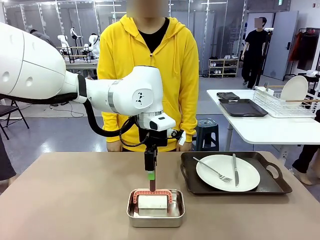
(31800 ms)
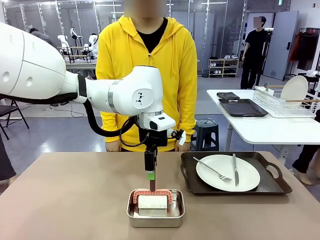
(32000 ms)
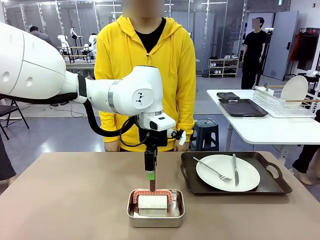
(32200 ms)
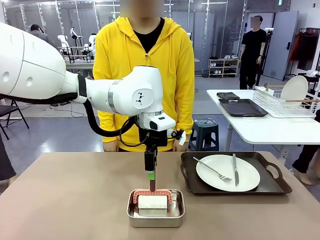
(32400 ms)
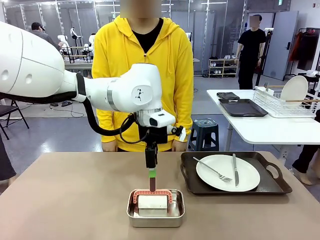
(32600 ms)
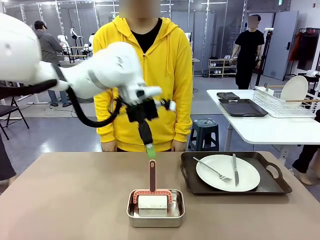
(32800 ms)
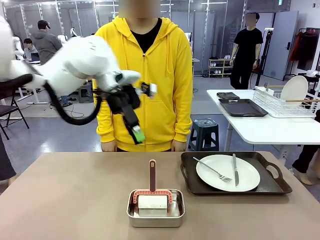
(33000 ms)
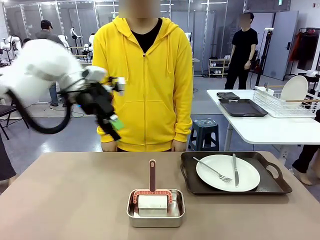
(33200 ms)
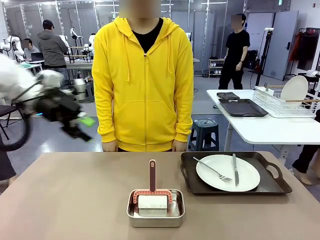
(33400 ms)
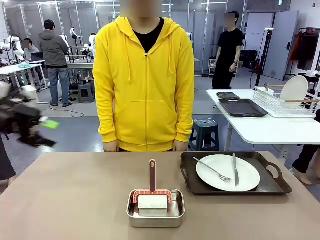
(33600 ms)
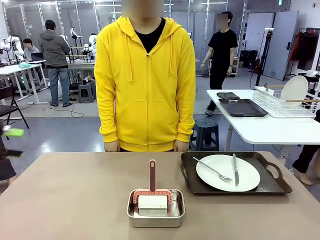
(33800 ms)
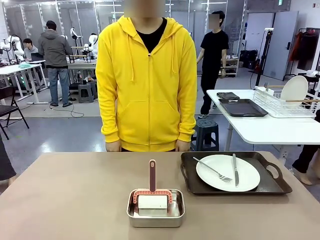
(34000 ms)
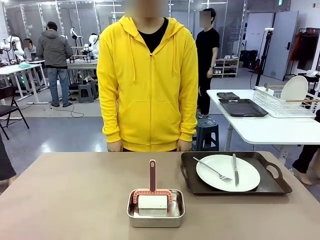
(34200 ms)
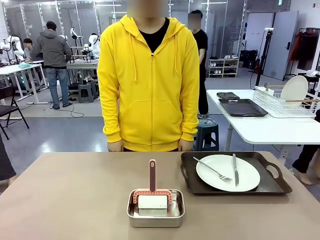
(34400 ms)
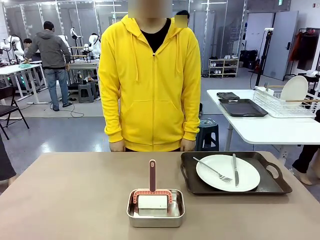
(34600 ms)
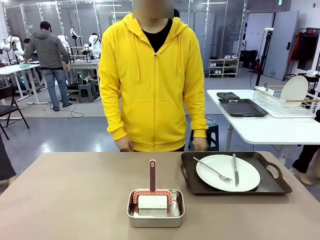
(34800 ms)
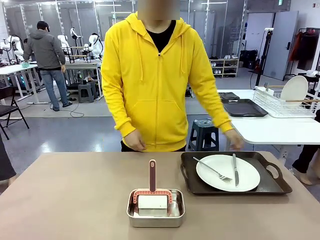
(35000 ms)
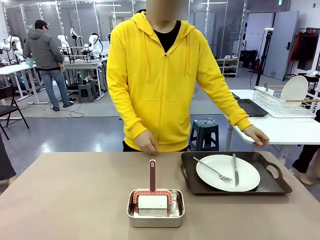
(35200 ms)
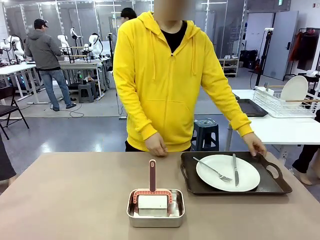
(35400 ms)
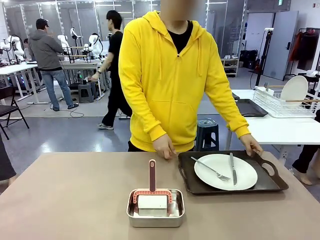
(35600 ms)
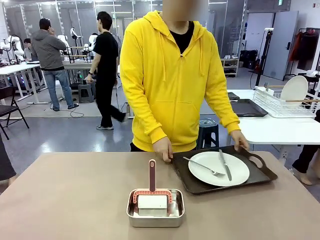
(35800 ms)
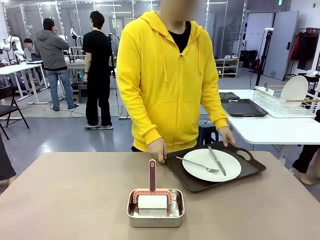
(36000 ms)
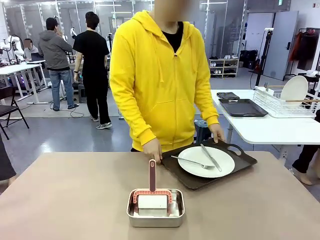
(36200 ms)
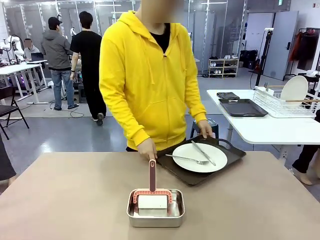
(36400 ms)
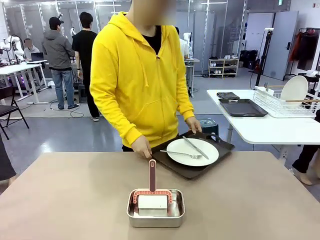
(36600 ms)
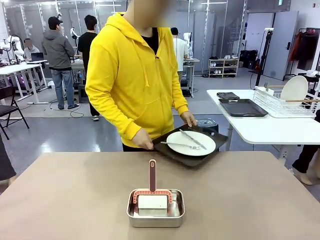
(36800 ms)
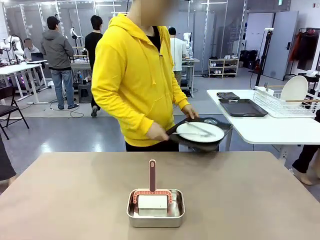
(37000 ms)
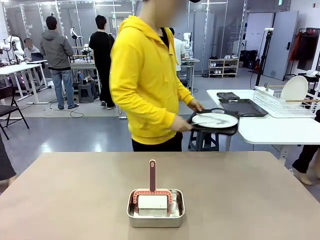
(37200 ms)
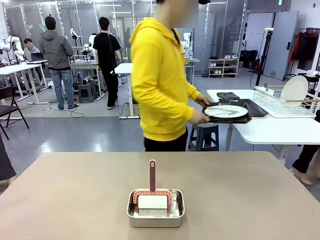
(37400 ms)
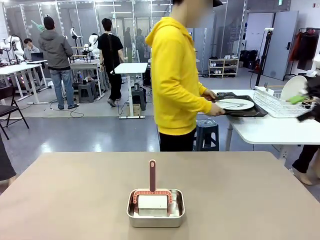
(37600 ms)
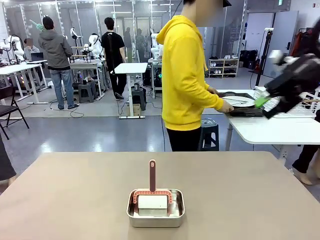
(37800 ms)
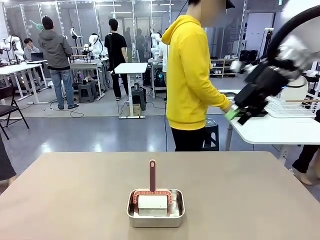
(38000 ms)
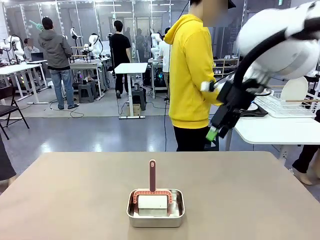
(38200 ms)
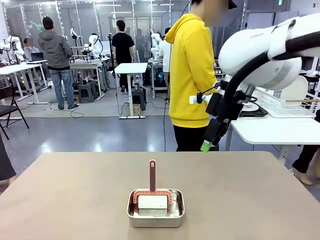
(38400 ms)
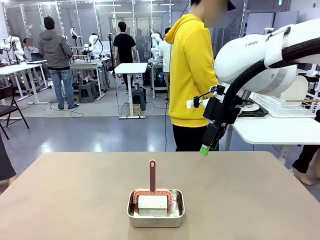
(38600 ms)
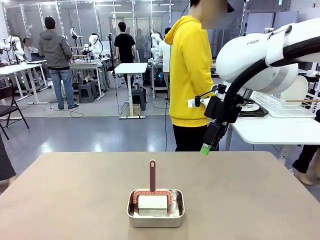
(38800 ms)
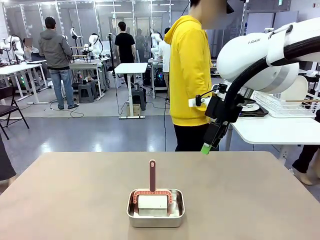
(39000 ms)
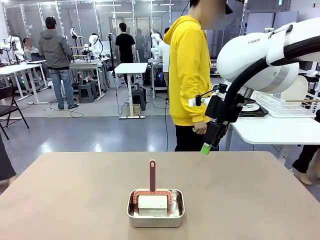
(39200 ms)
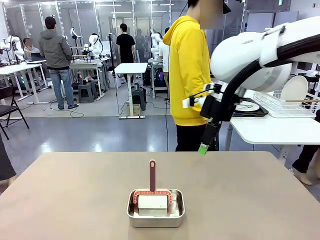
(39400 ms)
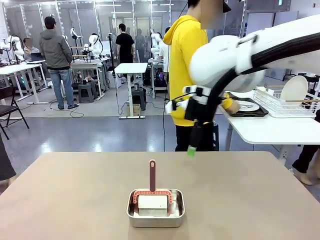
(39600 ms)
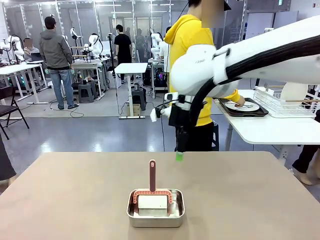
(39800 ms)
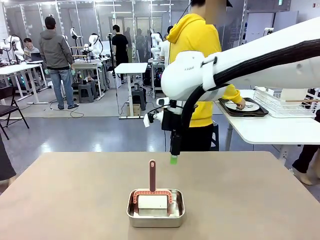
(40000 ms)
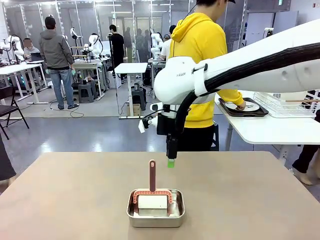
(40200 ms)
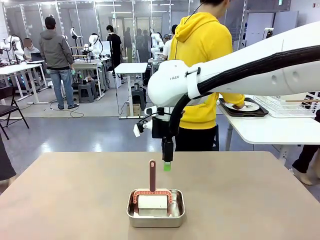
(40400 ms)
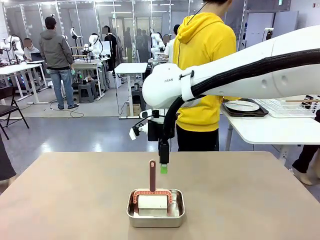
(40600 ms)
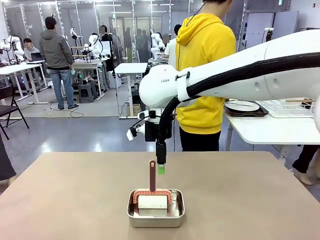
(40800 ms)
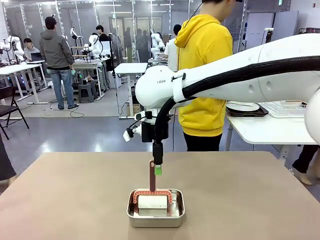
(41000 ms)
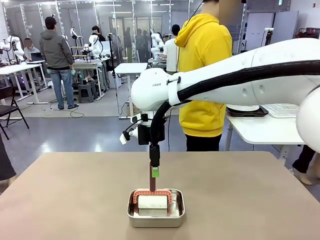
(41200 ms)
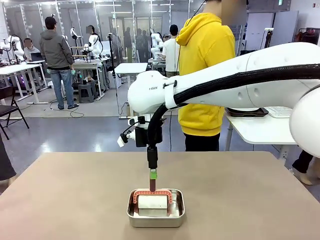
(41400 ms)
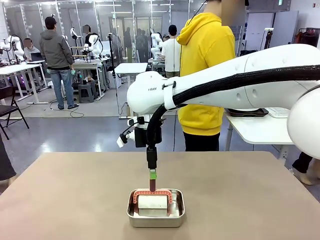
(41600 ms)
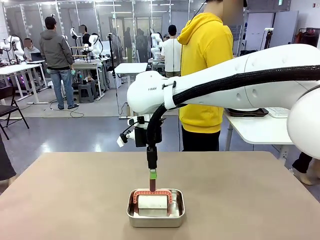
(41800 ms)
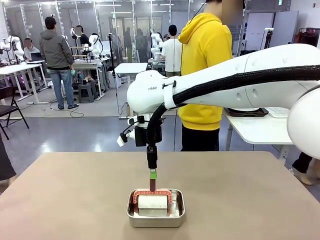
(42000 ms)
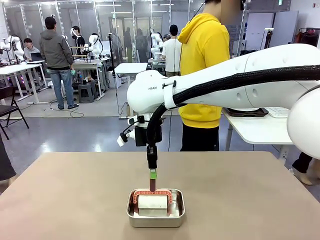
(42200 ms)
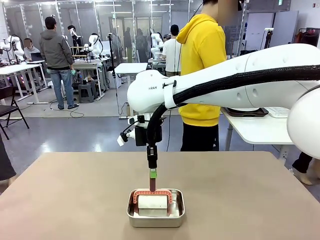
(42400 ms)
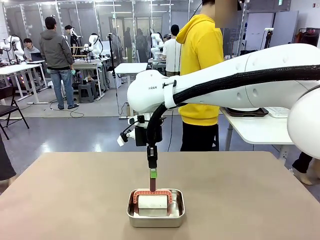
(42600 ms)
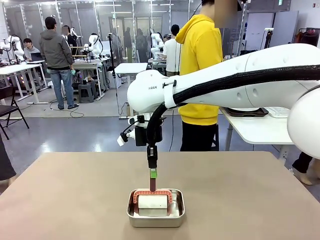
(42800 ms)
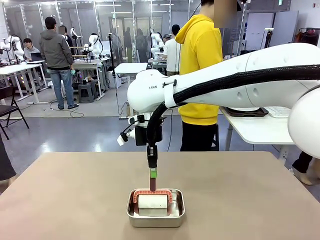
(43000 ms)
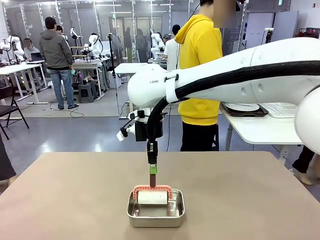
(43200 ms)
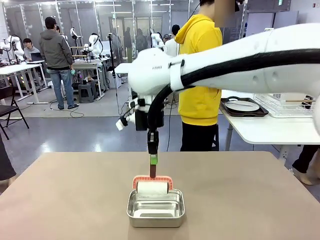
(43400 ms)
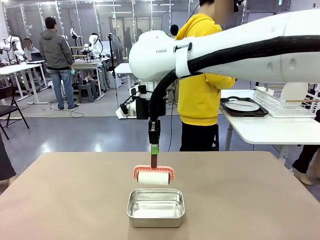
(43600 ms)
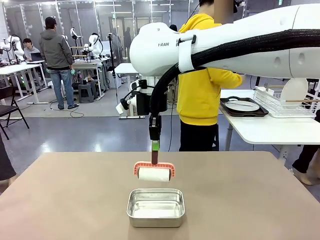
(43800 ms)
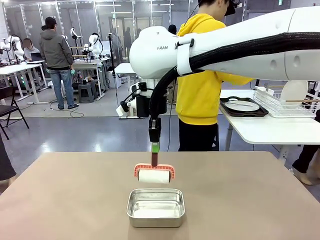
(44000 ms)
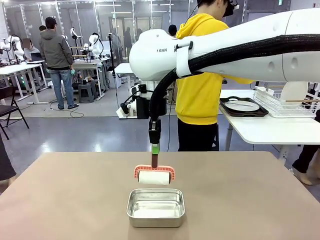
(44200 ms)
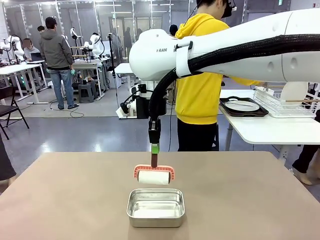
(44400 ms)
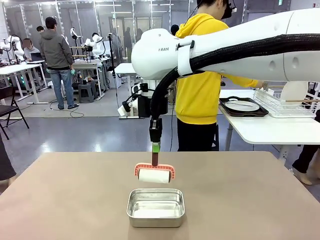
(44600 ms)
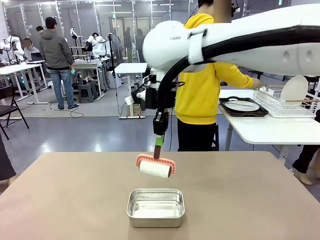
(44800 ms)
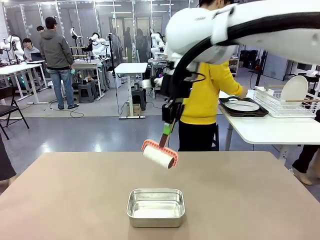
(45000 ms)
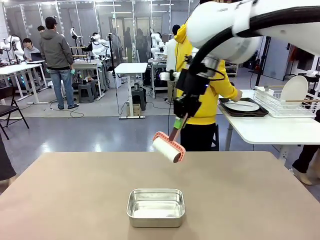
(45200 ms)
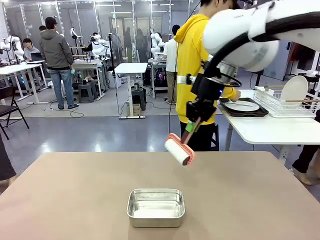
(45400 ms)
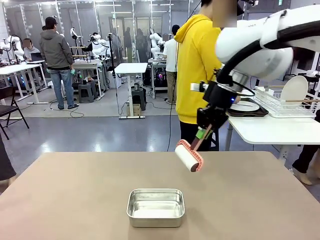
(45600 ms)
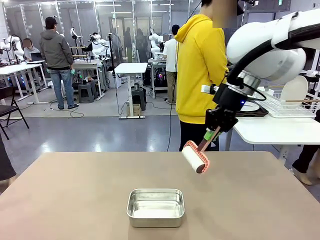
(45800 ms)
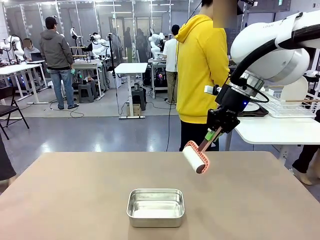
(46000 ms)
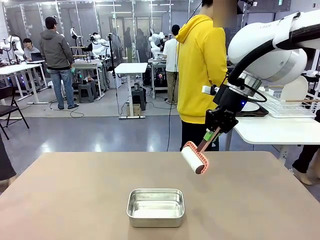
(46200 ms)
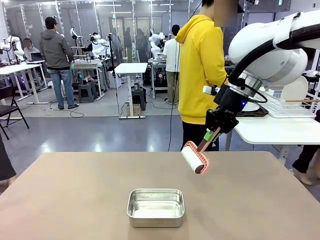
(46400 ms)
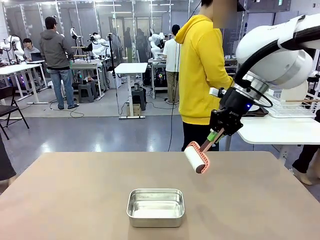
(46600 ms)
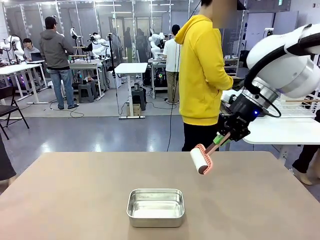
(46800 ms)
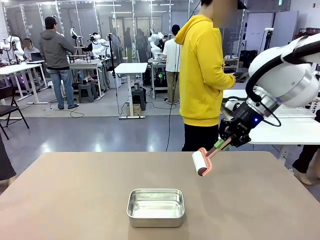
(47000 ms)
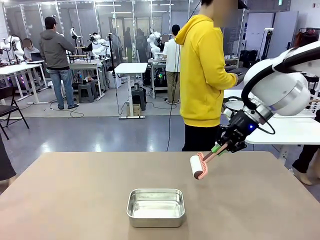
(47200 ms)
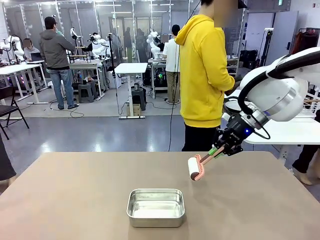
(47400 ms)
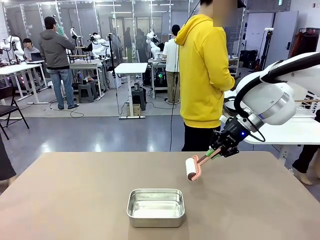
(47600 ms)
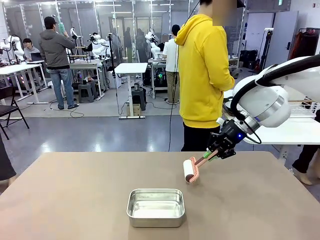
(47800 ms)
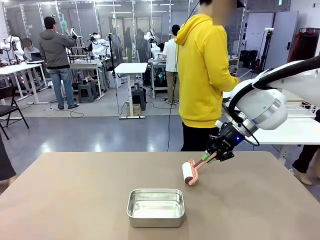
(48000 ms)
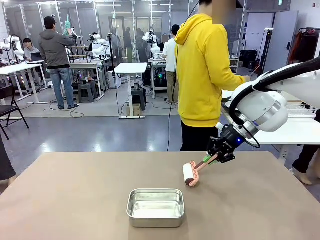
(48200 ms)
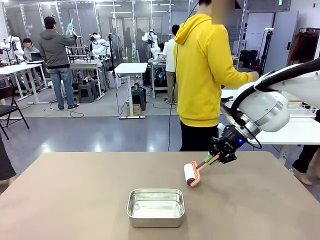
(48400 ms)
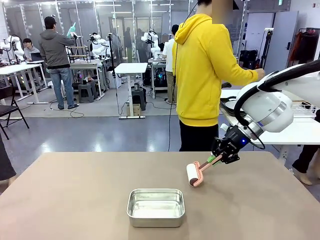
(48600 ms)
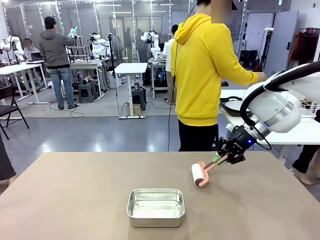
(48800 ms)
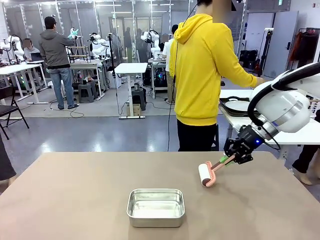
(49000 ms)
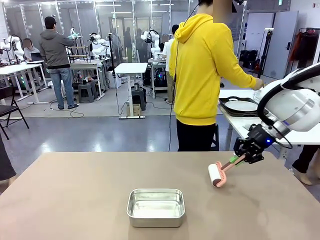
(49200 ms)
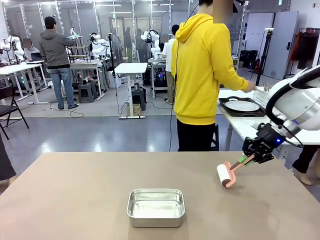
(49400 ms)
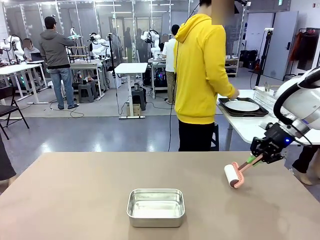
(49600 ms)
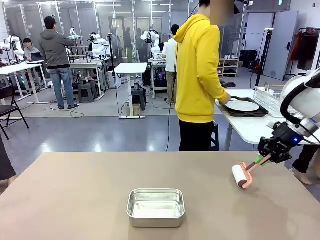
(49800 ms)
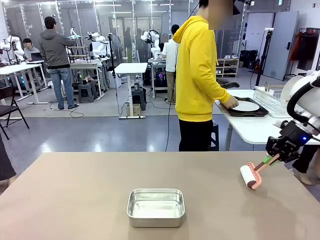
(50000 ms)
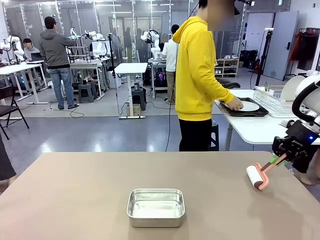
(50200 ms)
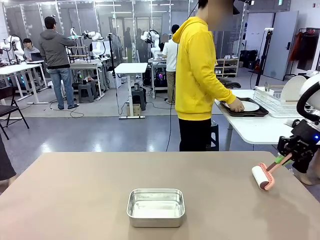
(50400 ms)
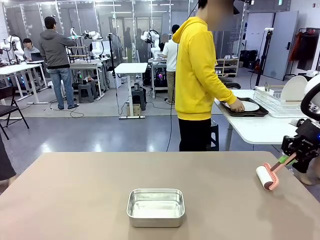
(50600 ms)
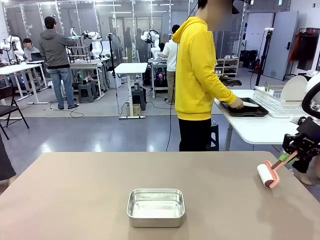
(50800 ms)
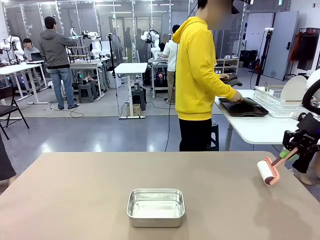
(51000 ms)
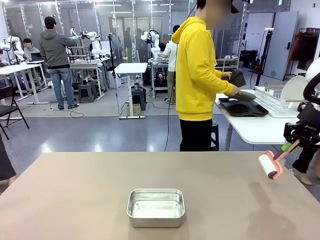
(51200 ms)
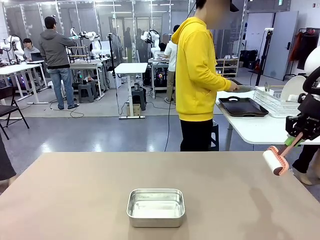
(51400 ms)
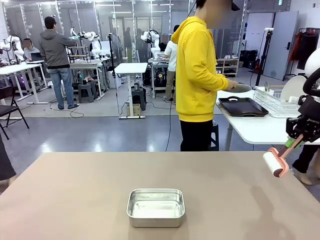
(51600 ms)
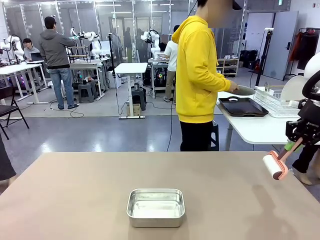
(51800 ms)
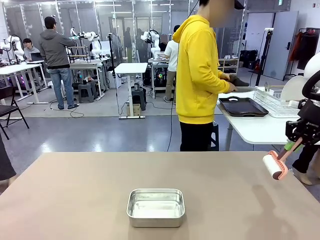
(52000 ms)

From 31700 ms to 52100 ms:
Robot: When the right (or left) Handle tray is removed, use the right hand (or left hand) to clean the right (or left) side of the table with the Lint Roller.
Person: Pick up the left (or right) Handle tray and place it on the Handle tray.
